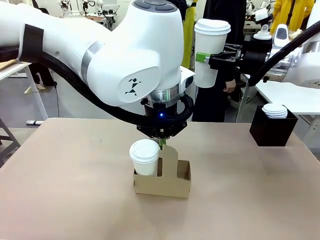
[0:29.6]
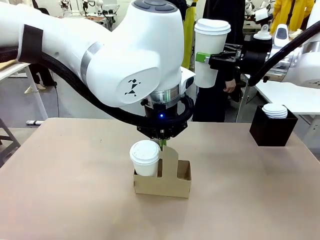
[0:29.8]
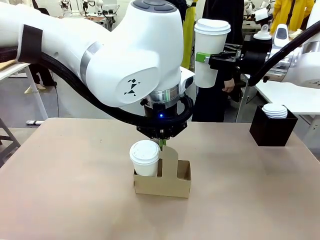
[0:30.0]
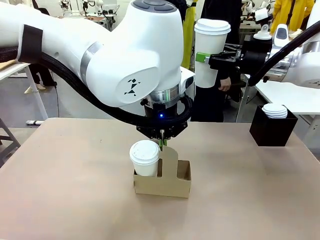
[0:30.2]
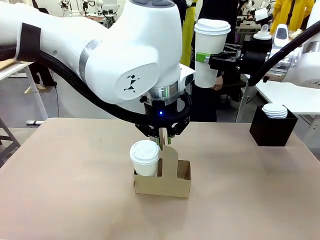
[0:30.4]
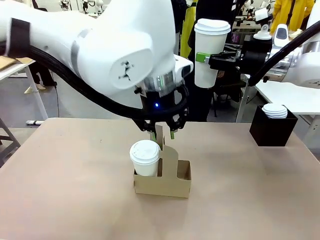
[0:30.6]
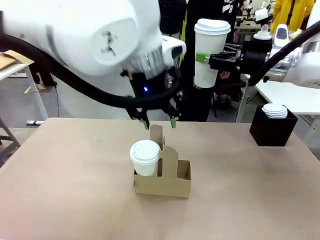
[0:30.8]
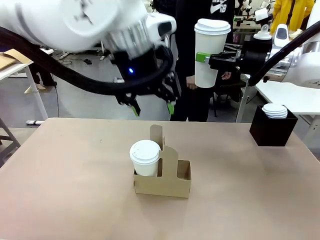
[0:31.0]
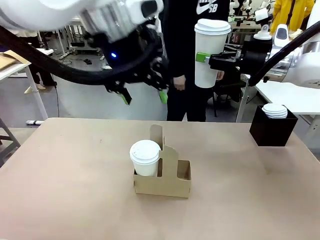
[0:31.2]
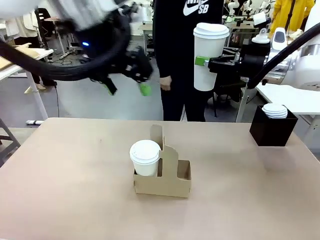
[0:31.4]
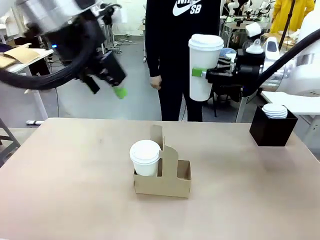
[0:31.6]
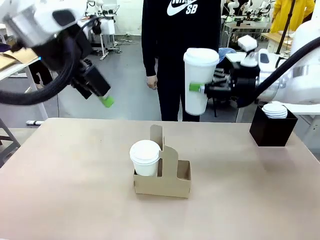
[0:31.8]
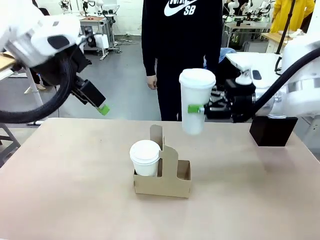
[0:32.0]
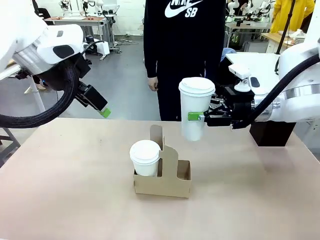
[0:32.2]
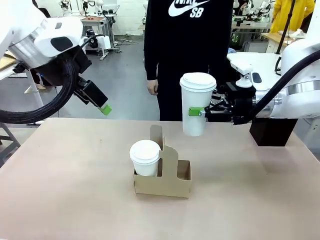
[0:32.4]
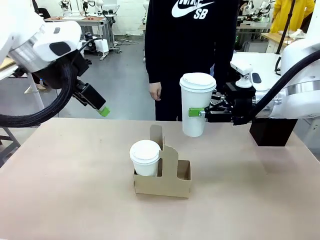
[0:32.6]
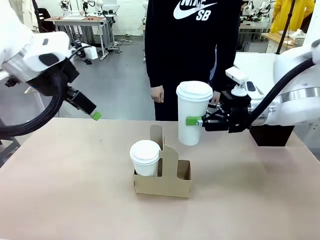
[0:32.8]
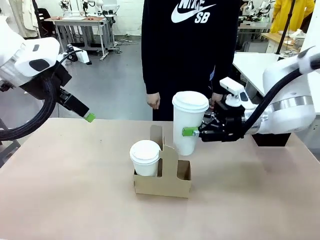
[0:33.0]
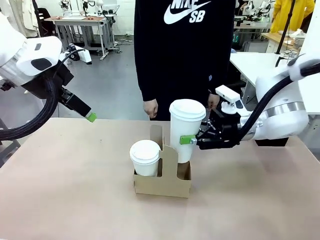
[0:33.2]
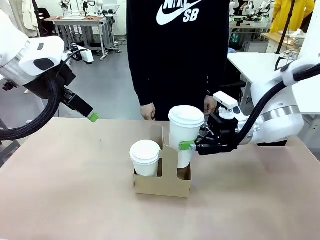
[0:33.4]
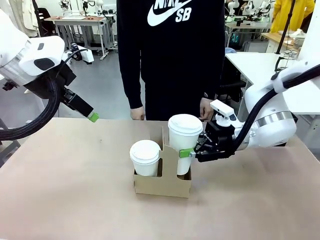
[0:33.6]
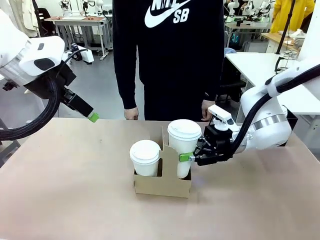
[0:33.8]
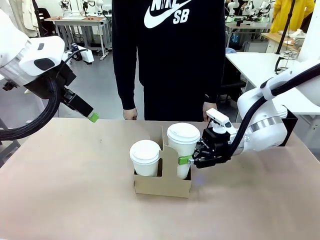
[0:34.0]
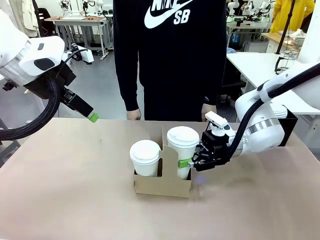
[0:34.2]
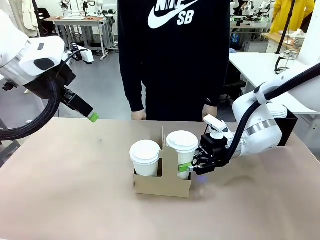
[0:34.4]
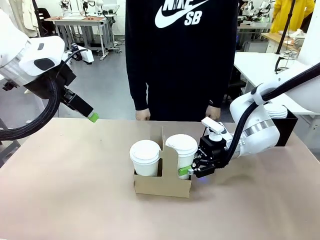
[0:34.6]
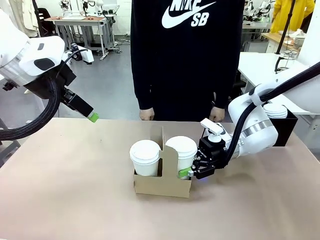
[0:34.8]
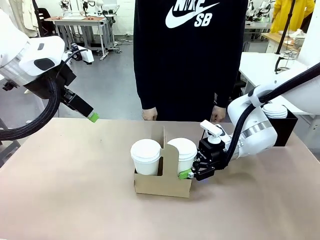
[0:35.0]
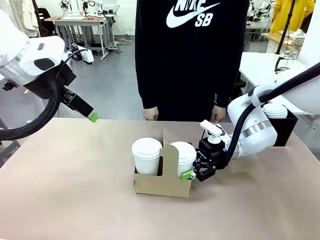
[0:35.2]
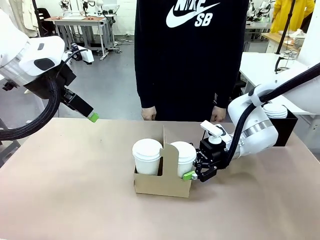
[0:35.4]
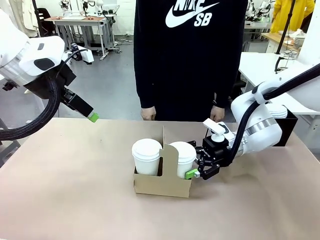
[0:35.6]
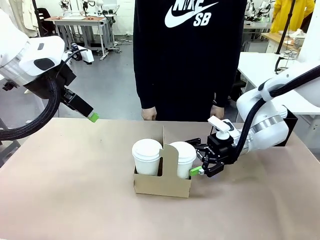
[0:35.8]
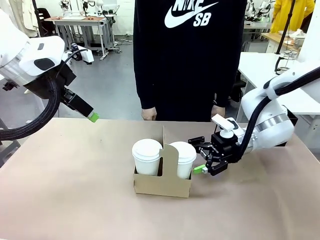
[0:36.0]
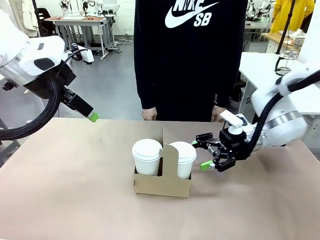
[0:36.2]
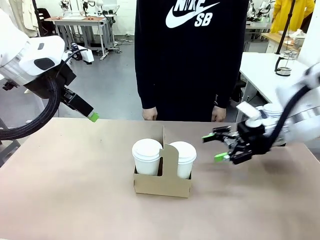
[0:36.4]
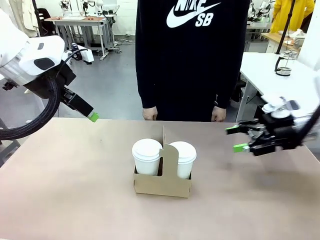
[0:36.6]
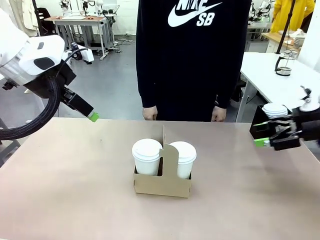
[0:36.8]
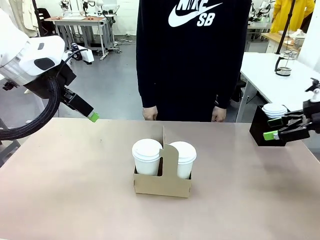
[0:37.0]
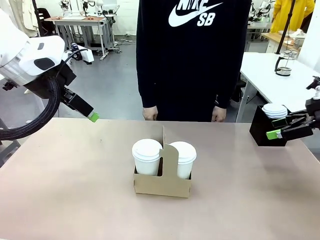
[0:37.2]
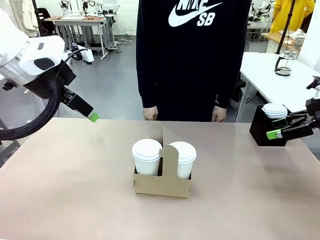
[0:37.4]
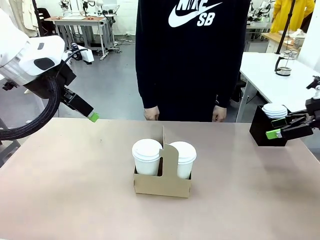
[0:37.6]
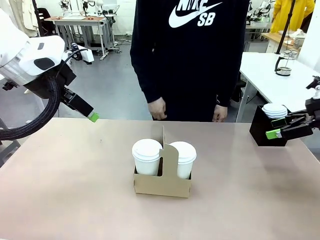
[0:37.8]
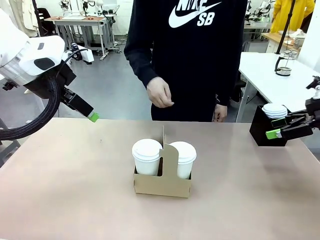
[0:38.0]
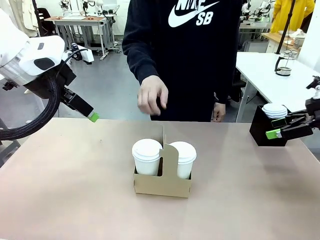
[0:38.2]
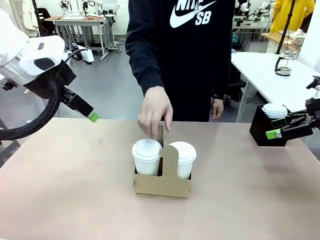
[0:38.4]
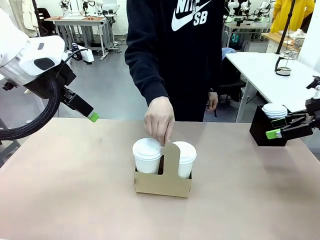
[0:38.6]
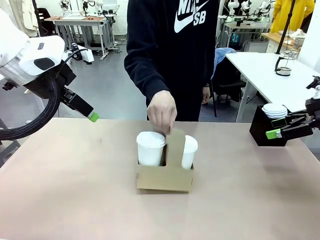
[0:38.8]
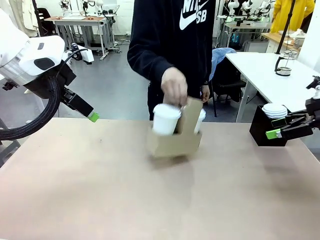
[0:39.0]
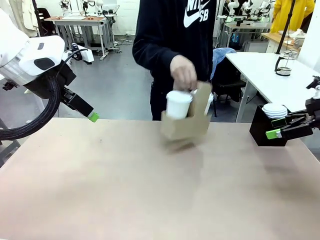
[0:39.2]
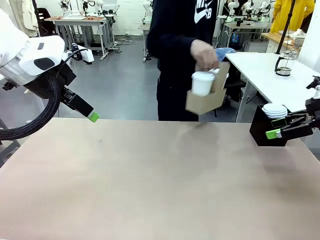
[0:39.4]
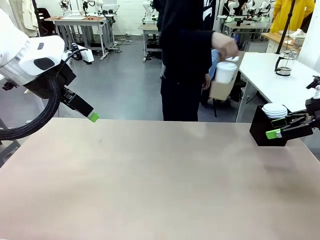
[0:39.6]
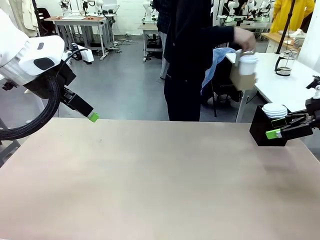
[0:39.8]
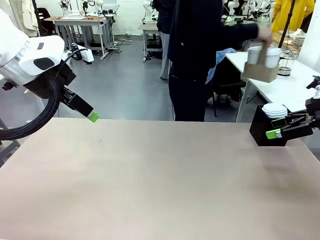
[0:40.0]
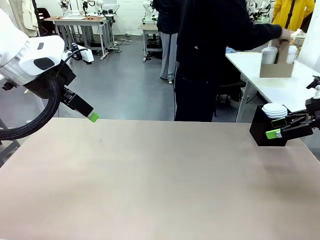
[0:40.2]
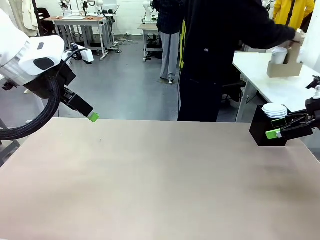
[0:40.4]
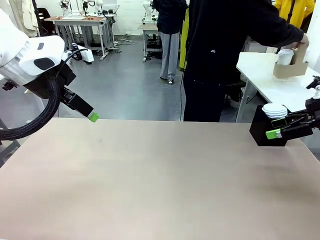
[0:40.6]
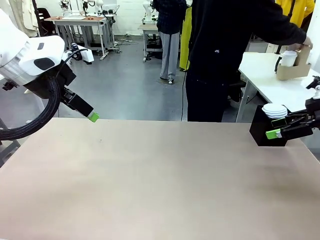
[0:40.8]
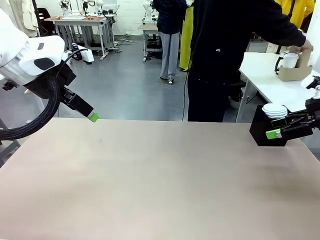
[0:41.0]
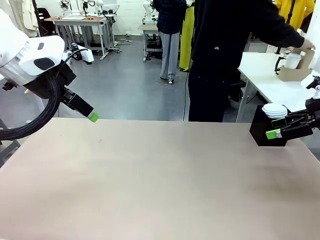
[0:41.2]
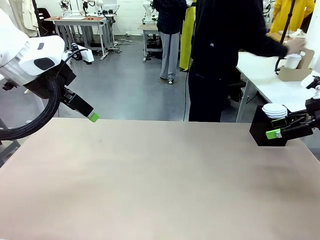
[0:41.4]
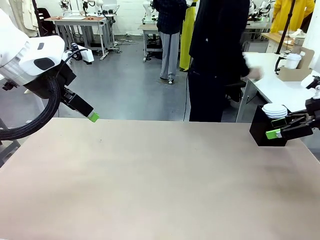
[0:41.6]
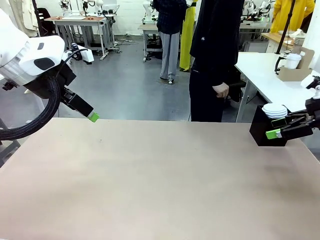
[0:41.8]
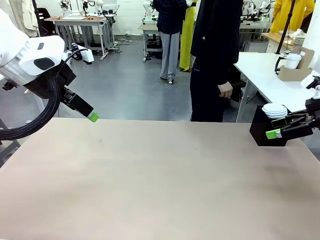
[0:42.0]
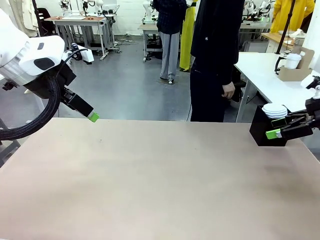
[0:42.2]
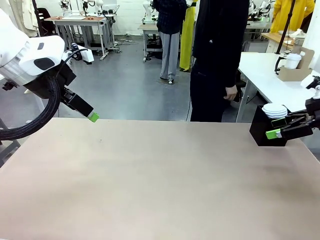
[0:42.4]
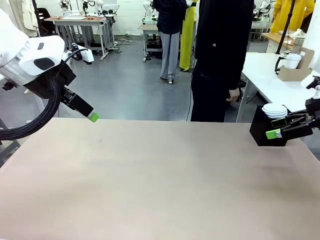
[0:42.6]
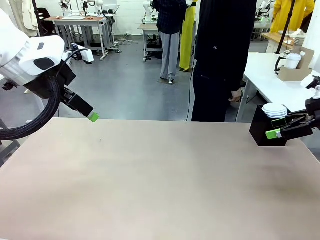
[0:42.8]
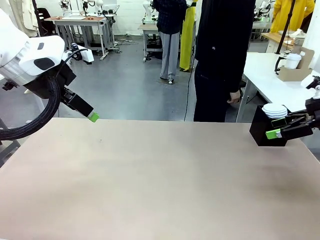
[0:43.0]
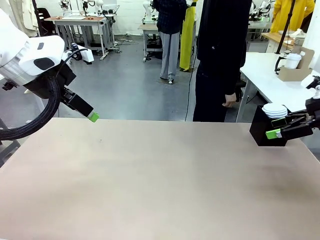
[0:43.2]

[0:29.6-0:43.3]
Task: Pour a drink into a cup and package it in a carrier.
Robot: Insert the held 600 ml Paper Cup into the Cup Carrier.
Person: Place the Cup Carrier to the middle of Human table.
